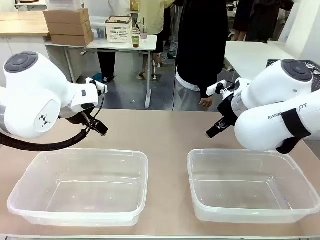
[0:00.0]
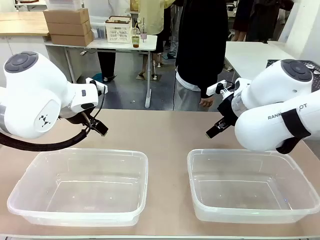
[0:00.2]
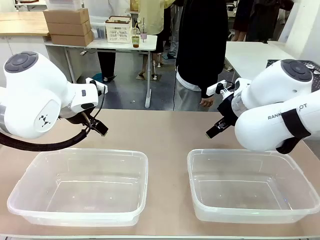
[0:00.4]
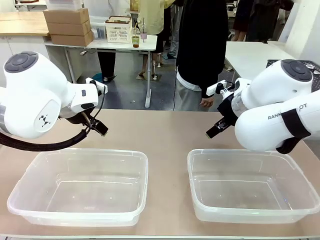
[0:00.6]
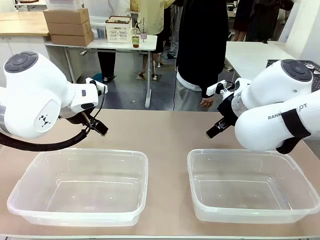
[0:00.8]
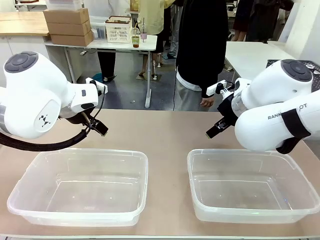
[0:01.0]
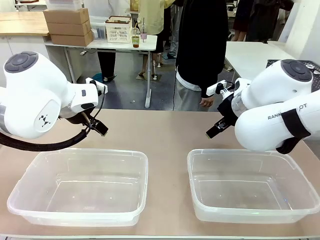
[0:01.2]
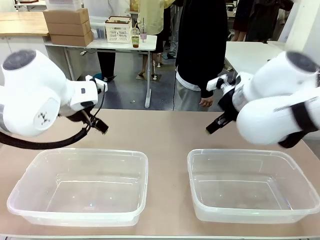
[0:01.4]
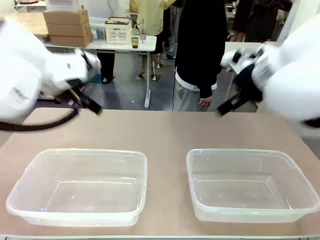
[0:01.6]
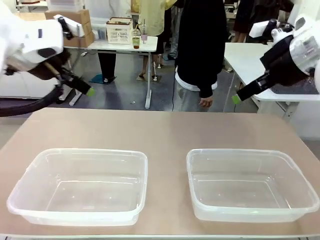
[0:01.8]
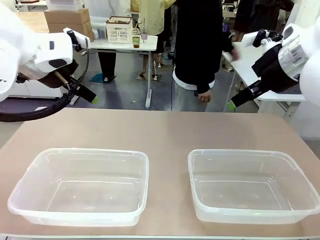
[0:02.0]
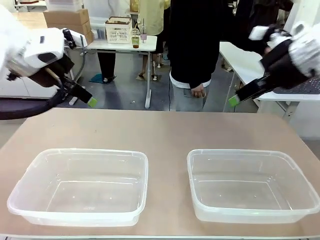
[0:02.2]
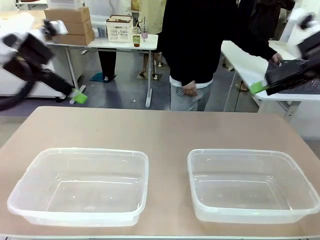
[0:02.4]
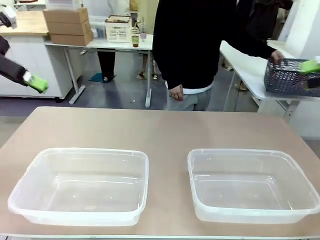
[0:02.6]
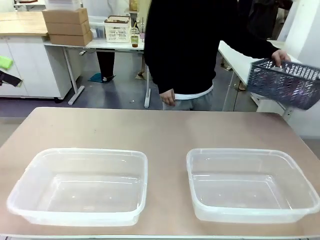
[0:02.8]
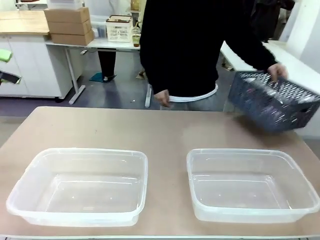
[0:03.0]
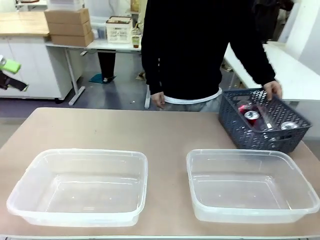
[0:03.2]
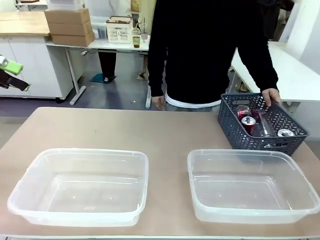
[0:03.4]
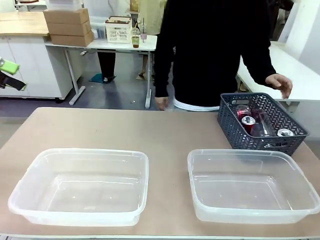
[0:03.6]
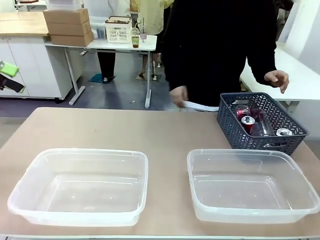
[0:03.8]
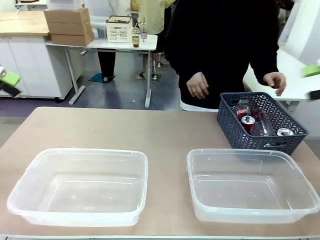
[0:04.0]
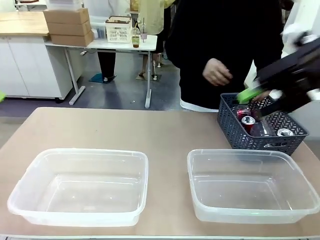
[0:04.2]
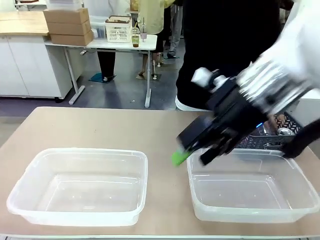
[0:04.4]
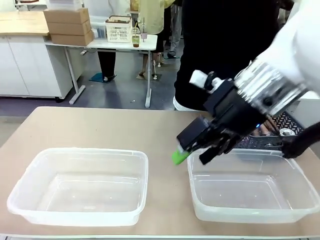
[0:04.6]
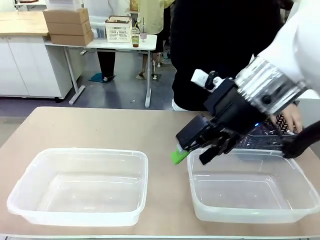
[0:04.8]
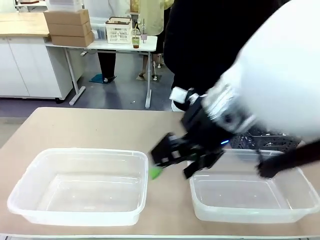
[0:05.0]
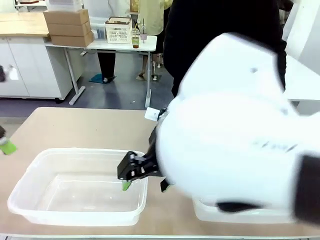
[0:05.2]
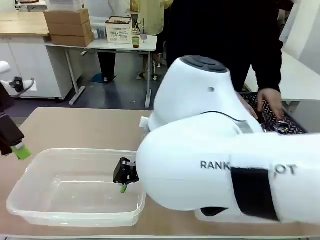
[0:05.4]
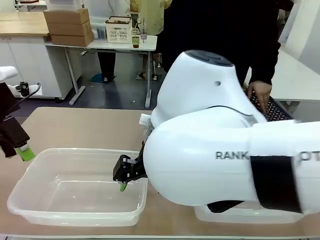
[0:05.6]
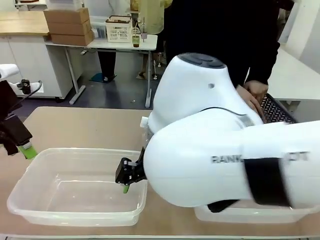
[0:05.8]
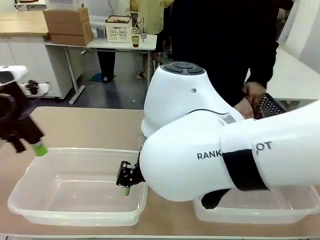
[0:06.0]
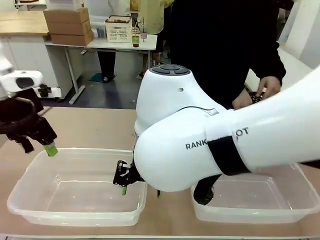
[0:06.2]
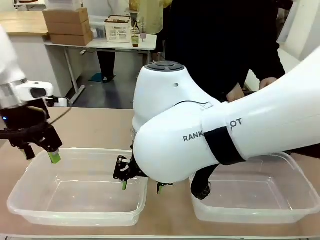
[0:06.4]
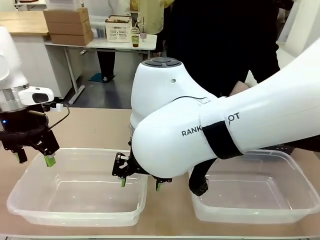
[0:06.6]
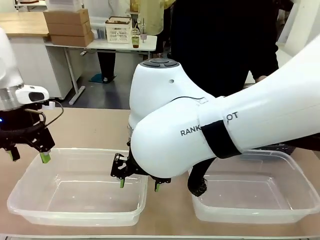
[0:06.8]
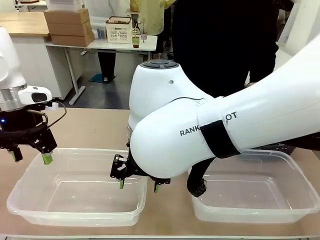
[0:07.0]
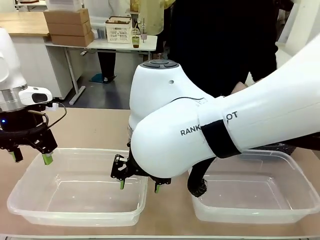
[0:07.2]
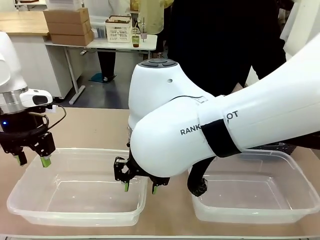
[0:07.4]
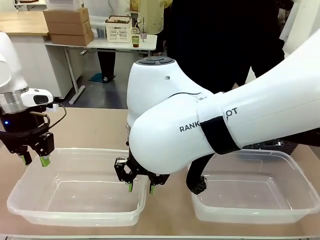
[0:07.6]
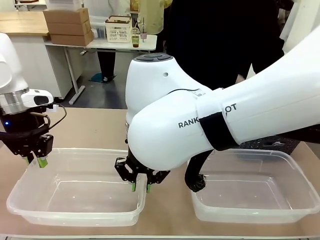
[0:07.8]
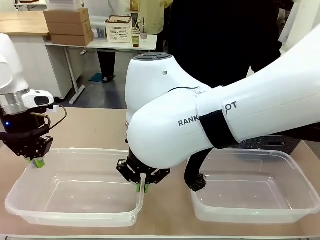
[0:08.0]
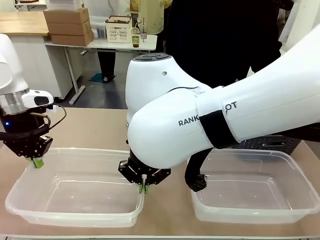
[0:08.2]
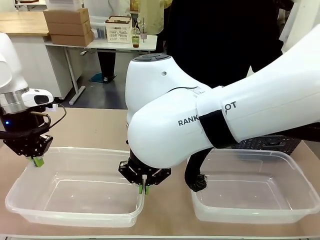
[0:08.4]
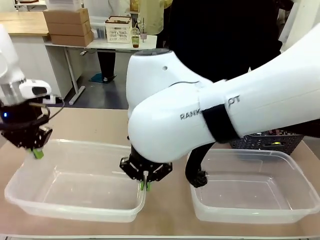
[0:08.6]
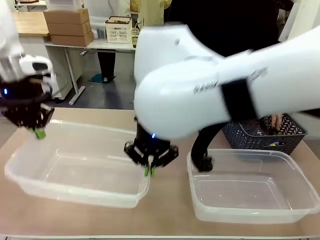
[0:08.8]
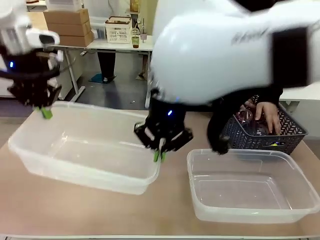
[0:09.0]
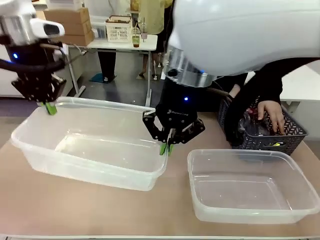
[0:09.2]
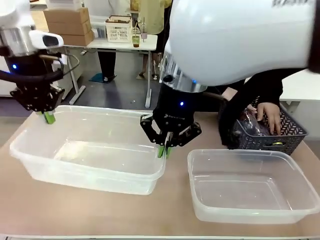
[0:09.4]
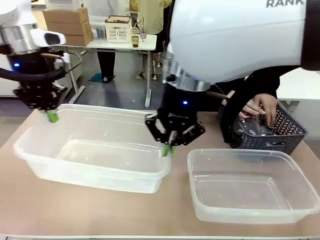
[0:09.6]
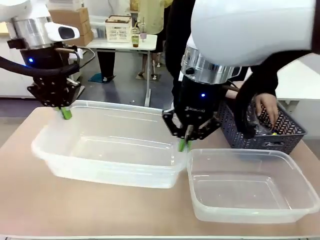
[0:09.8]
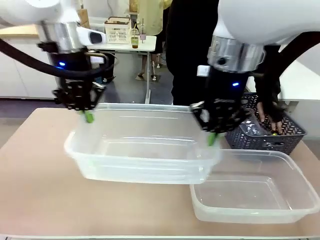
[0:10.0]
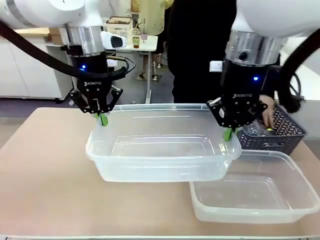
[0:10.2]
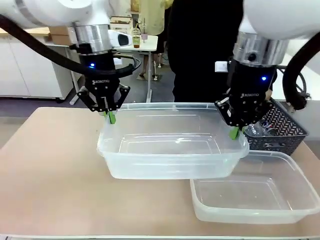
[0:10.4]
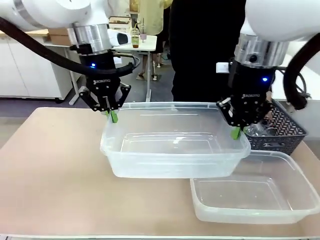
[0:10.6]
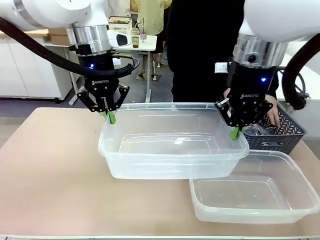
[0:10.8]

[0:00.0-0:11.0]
Robot: Pick up the Organizing box on the left side of the table and lift it.
Person: Pick up the storage basket and place it on the left side of the robot table. Pick up can-shaped waste one by one and place it into the organizing box lifted by the robot.

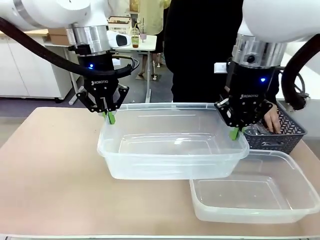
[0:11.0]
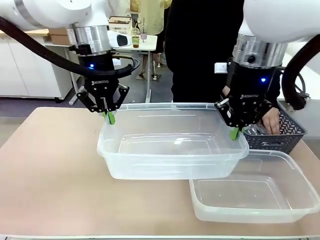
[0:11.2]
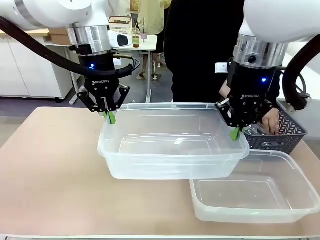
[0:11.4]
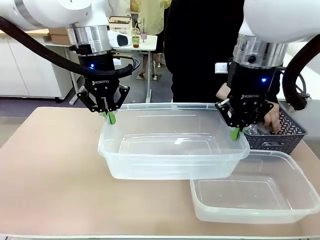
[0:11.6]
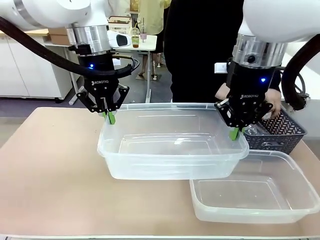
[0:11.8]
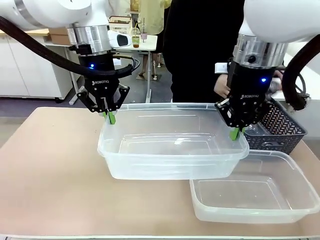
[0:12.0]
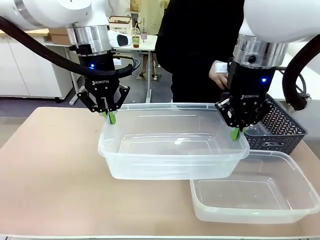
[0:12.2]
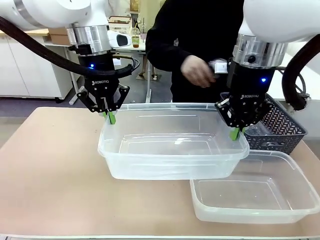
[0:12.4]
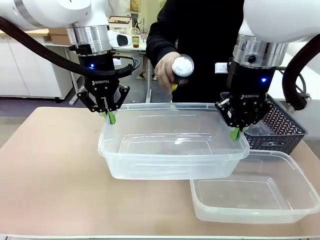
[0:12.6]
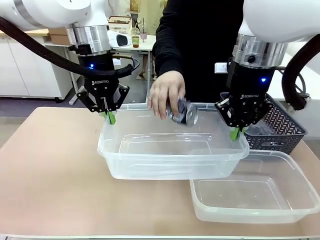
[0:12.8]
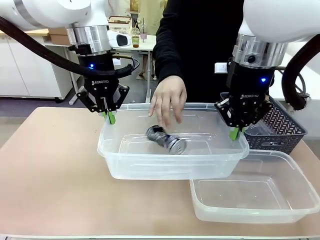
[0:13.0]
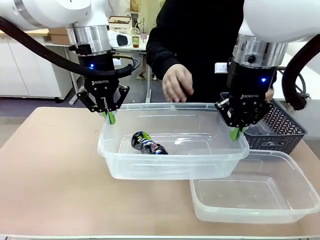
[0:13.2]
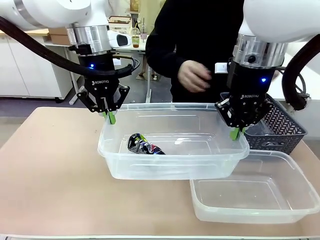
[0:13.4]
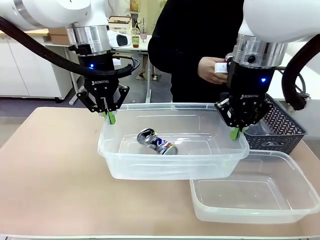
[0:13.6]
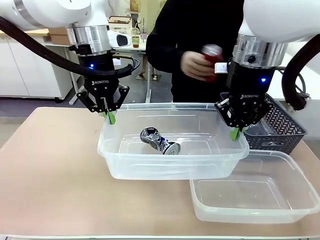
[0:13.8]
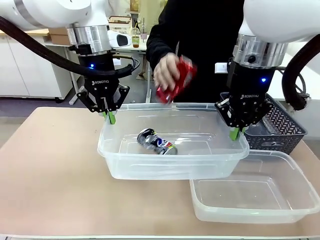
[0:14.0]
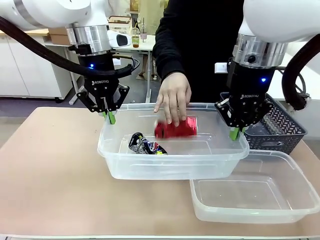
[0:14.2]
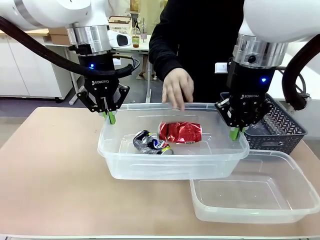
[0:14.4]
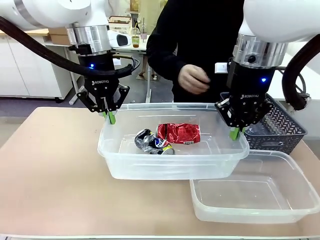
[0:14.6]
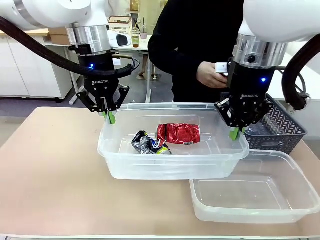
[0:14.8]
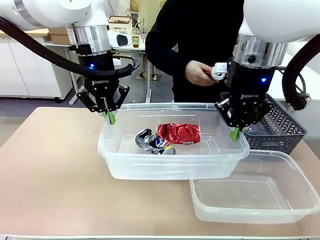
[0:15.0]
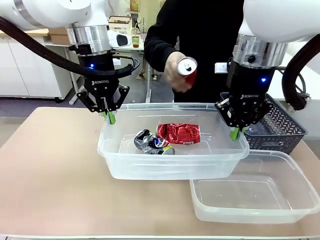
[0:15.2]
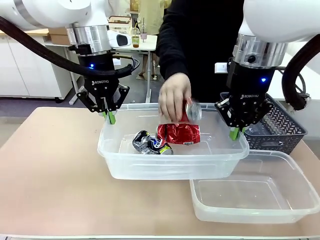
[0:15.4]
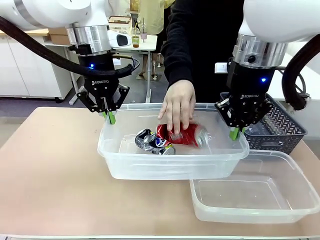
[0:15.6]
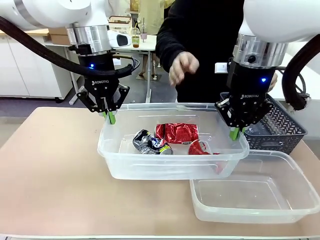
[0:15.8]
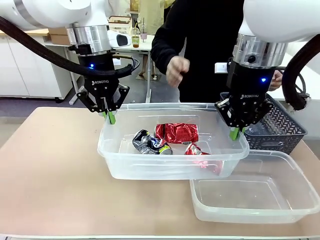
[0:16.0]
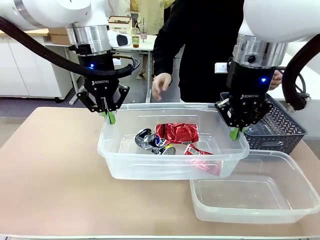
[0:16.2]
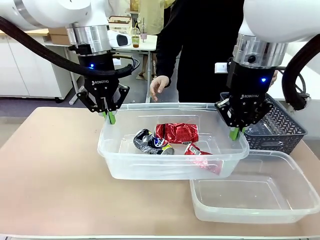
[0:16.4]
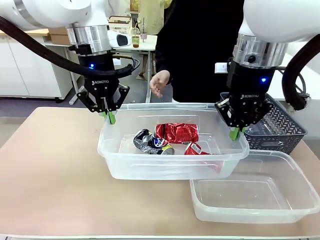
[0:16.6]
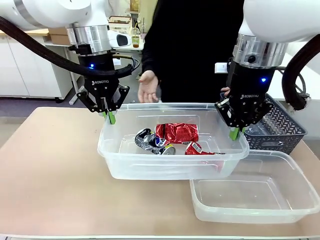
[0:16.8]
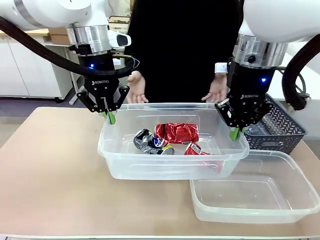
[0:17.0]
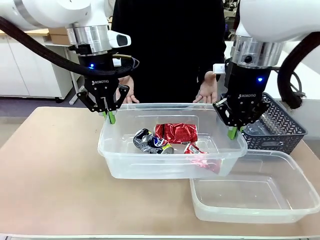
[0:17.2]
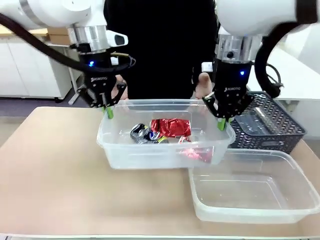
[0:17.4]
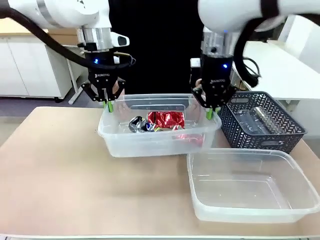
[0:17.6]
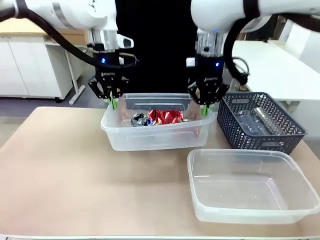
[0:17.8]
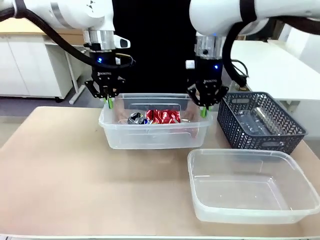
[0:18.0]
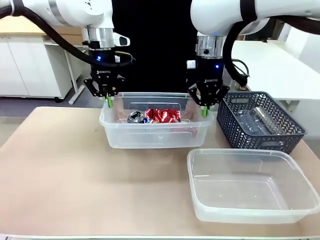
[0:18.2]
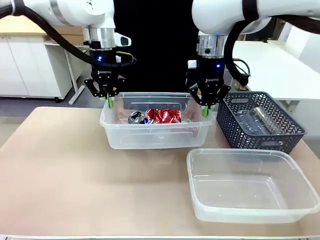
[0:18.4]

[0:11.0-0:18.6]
Robot: Offer the picked Organizing box to the human.

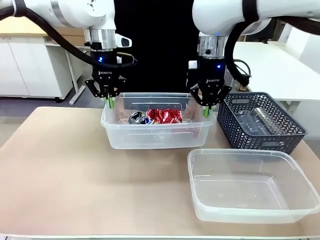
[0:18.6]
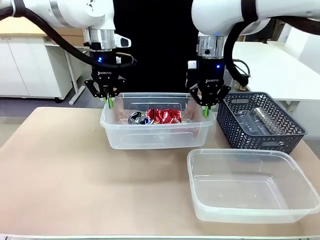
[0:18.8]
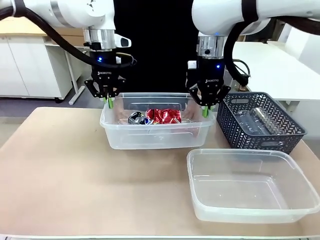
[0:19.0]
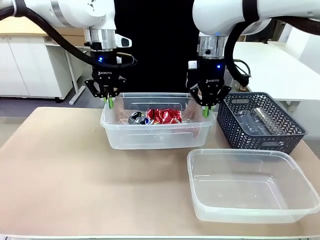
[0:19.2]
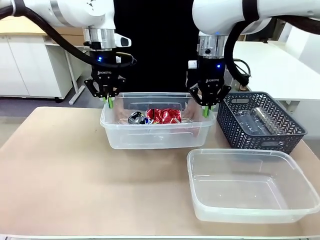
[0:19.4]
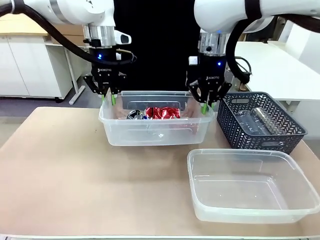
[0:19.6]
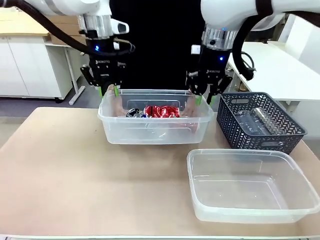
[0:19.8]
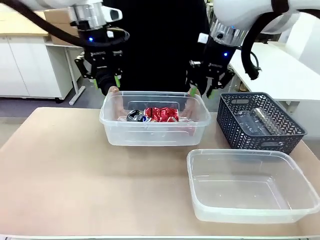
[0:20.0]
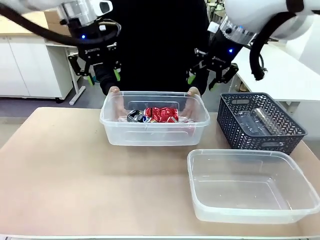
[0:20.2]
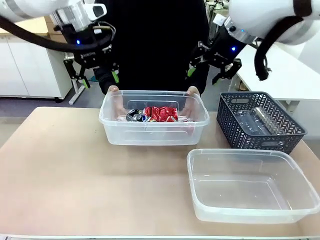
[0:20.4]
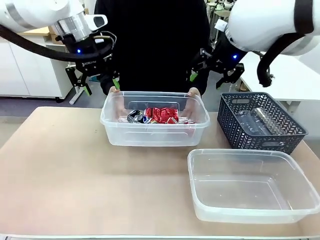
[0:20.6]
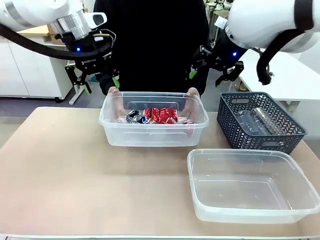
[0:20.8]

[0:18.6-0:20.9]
Robot: Release the Organizing box you were holding.
